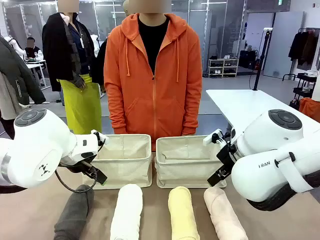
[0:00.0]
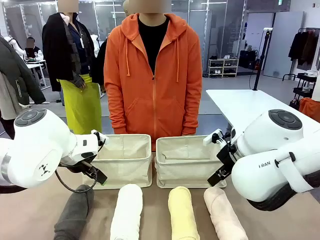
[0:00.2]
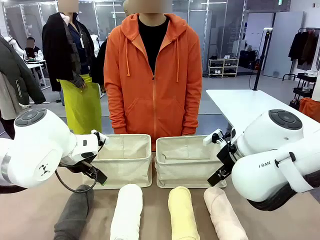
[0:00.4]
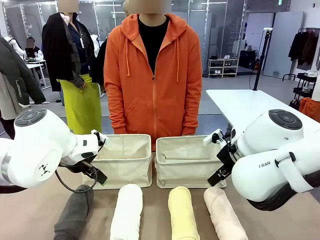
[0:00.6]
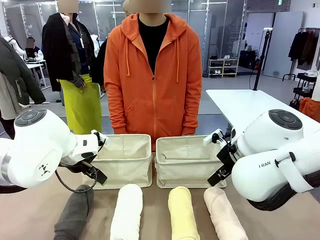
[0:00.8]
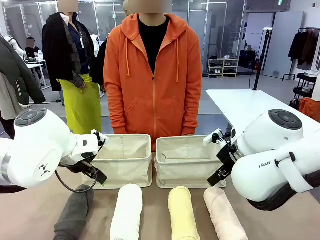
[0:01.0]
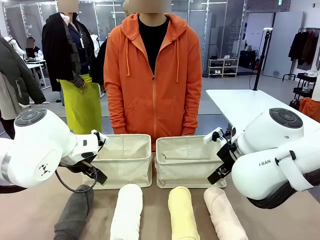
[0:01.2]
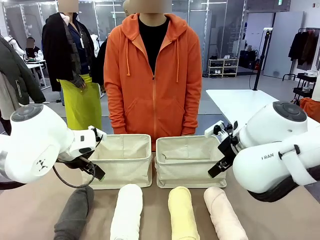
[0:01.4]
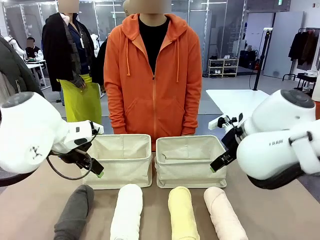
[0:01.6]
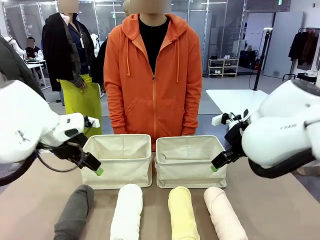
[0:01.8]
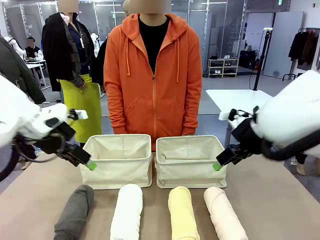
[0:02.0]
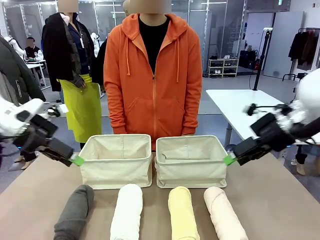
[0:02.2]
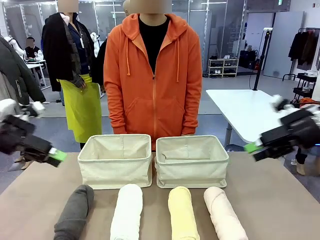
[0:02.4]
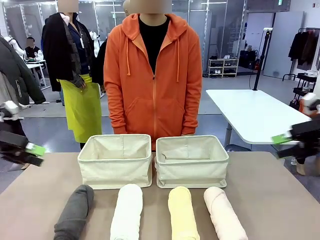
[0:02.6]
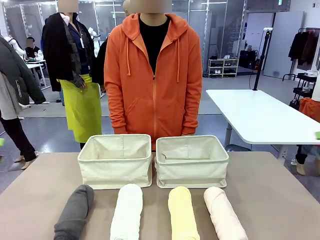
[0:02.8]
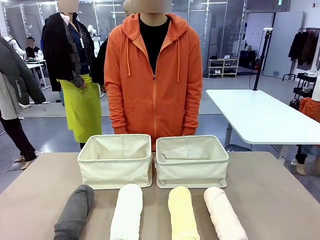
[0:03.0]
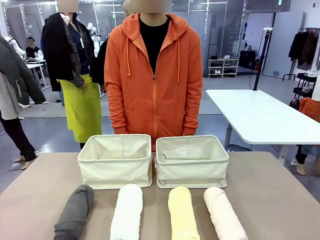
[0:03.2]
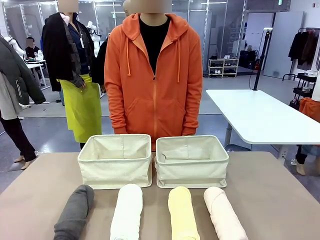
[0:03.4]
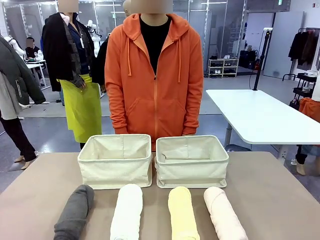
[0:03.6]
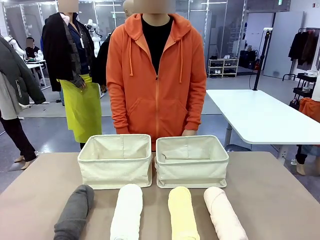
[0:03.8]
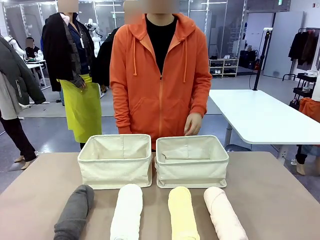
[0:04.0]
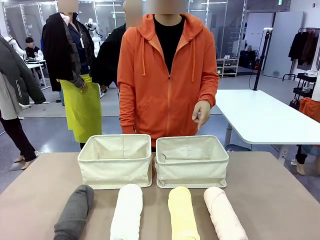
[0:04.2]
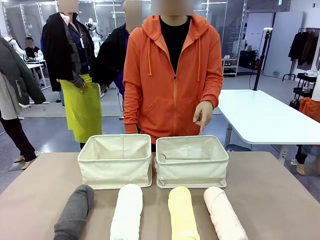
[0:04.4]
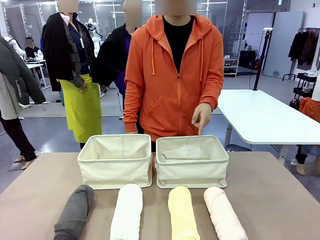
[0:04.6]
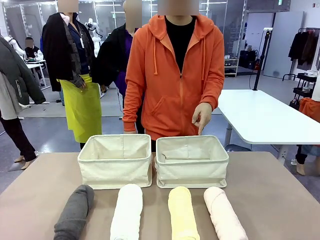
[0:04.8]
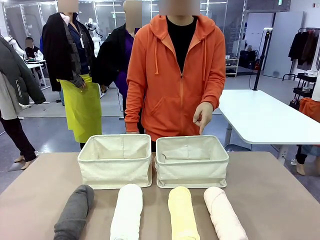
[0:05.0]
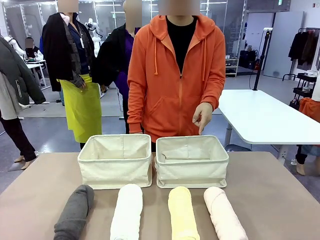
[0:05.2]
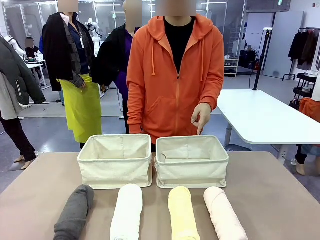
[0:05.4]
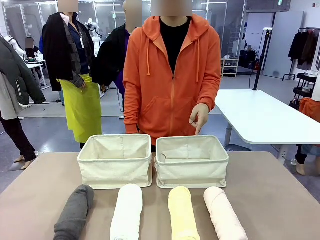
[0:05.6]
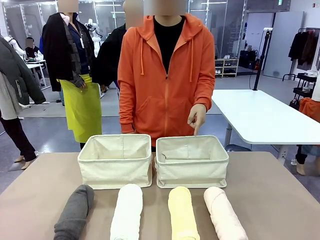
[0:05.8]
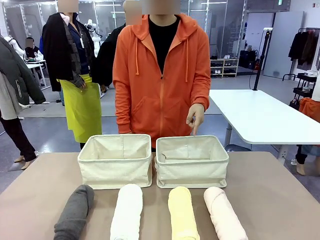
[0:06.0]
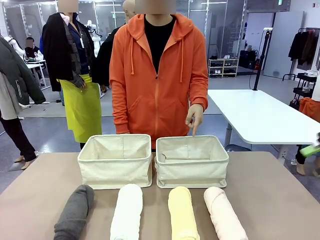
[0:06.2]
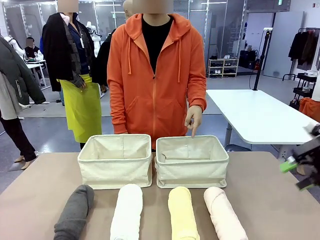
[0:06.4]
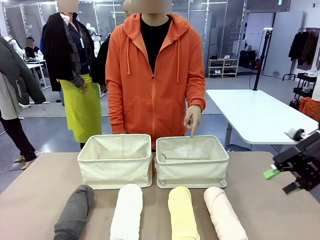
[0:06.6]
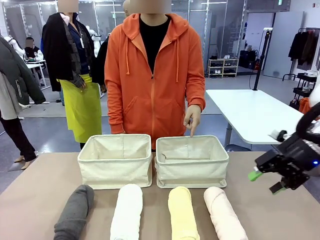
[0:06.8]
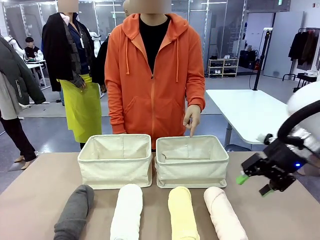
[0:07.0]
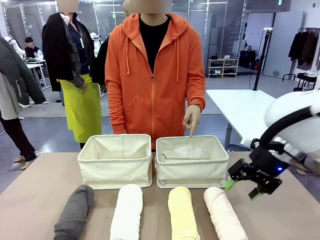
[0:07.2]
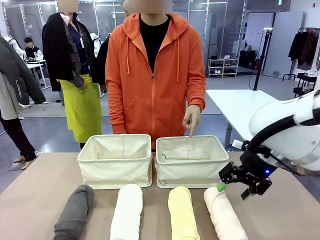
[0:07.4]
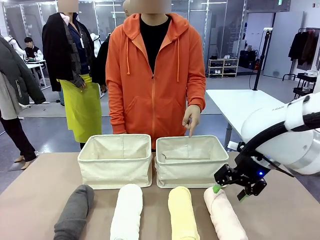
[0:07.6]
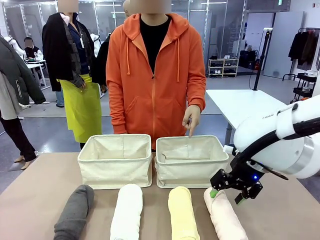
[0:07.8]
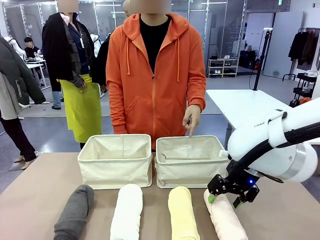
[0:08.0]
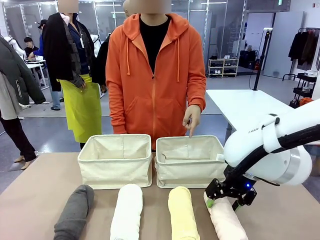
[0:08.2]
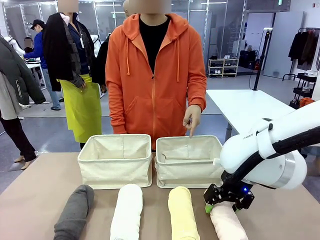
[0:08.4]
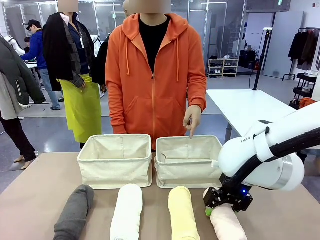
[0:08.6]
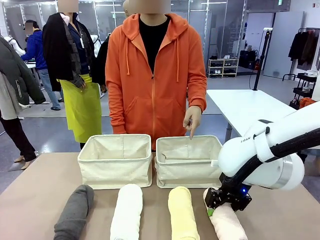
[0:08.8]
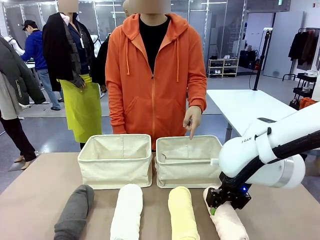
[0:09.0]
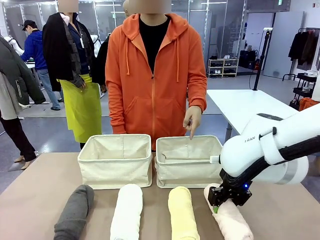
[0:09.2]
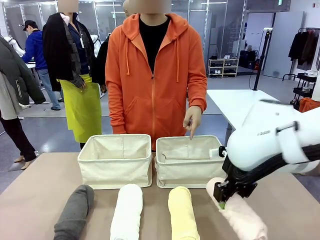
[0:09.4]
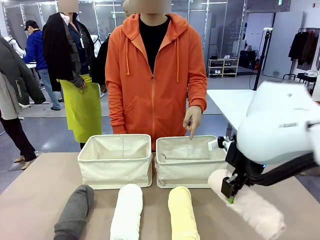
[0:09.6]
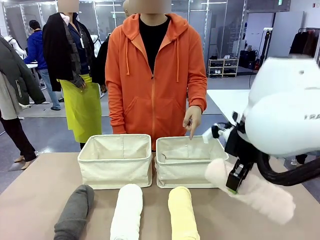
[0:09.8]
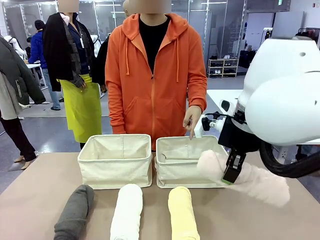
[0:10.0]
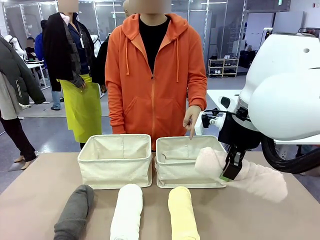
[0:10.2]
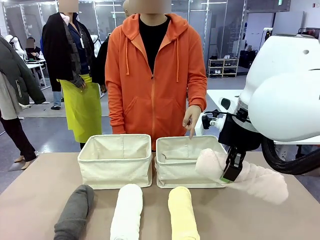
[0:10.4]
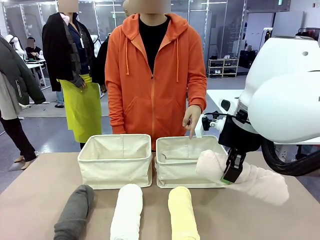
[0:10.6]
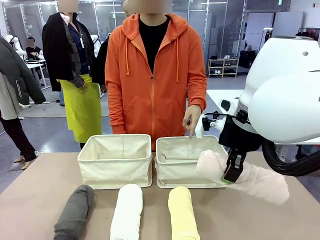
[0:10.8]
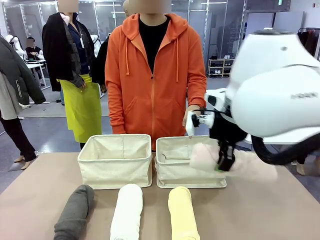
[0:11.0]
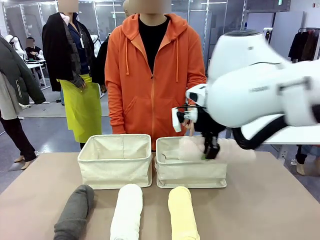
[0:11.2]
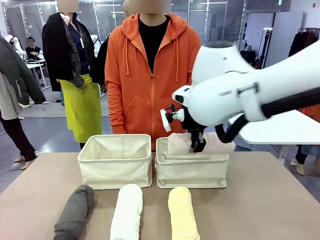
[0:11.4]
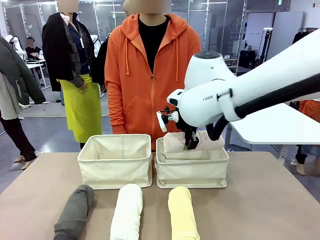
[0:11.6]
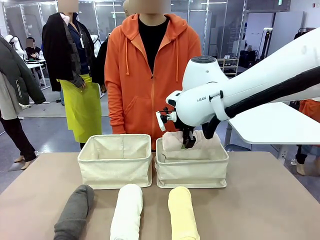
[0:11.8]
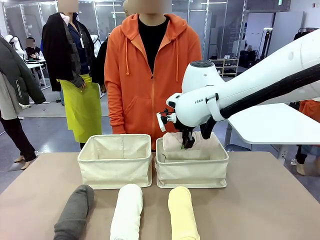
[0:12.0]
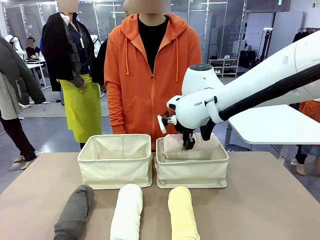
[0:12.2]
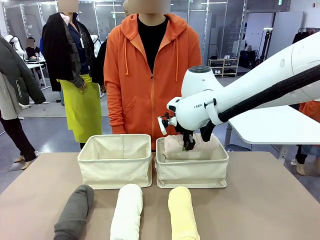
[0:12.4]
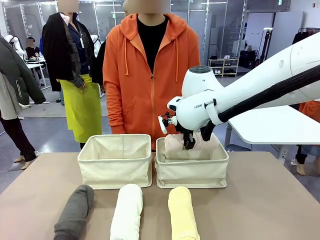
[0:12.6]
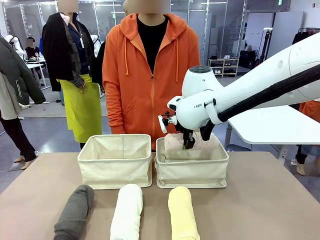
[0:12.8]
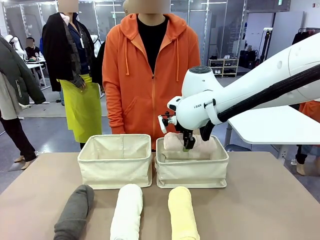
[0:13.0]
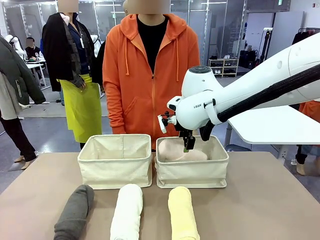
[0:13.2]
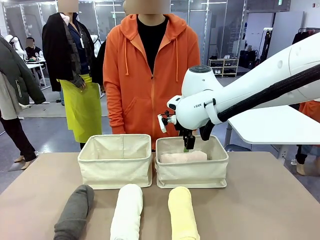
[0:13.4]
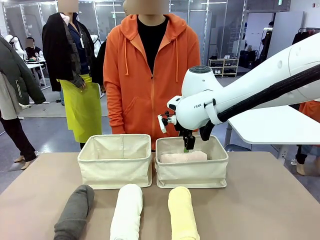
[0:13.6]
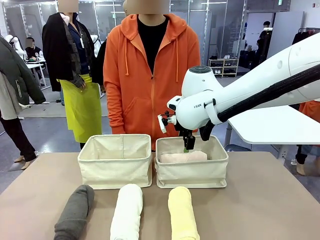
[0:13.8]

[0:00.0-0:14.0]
Task: Divide the towels into two baskets.
Robot: Pick up one hotel-folded towel and place it in the Fabric basket indicated by the person.
